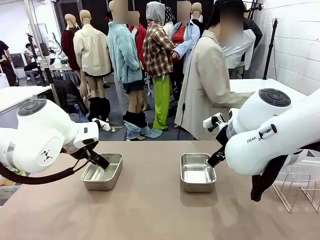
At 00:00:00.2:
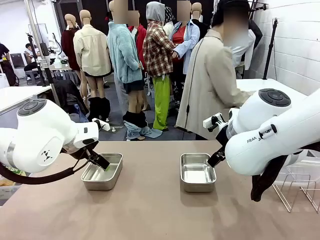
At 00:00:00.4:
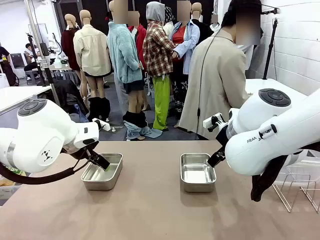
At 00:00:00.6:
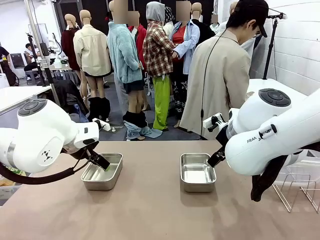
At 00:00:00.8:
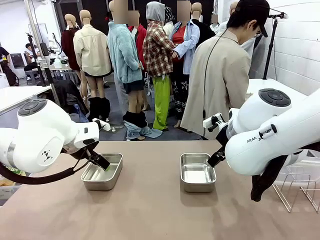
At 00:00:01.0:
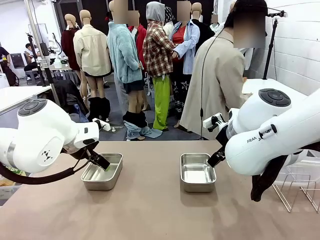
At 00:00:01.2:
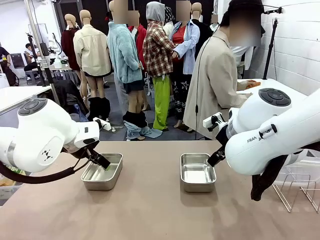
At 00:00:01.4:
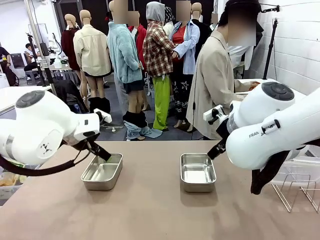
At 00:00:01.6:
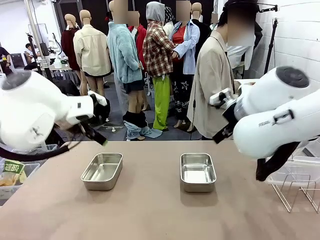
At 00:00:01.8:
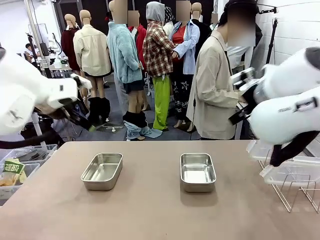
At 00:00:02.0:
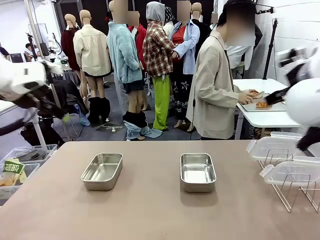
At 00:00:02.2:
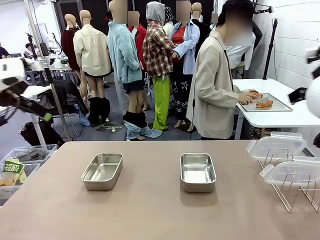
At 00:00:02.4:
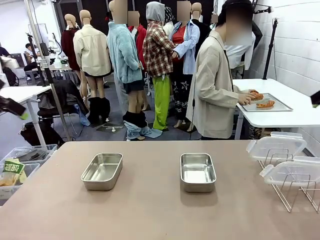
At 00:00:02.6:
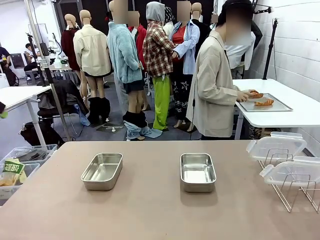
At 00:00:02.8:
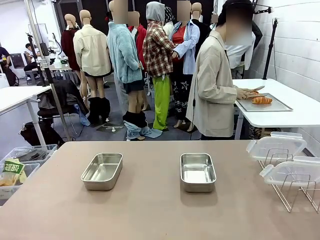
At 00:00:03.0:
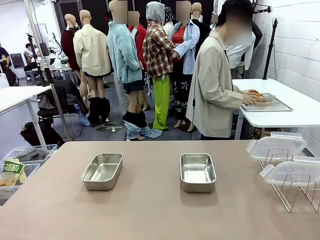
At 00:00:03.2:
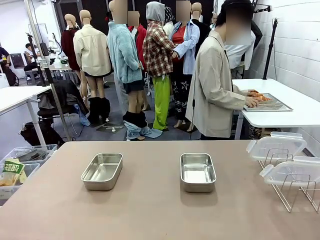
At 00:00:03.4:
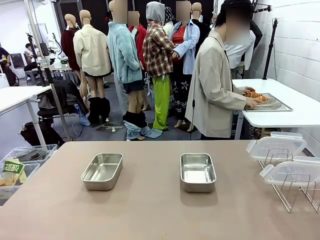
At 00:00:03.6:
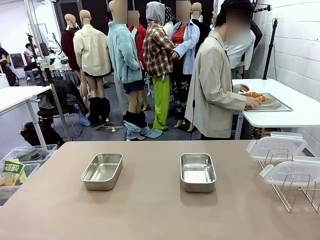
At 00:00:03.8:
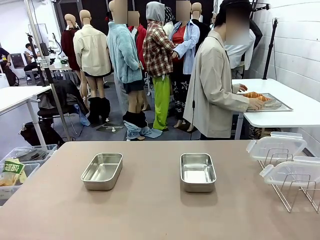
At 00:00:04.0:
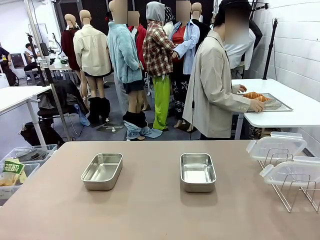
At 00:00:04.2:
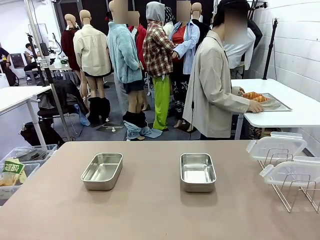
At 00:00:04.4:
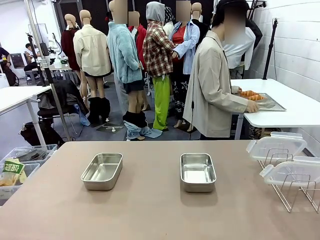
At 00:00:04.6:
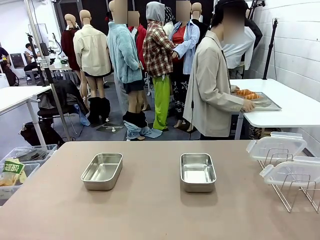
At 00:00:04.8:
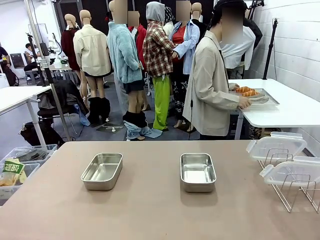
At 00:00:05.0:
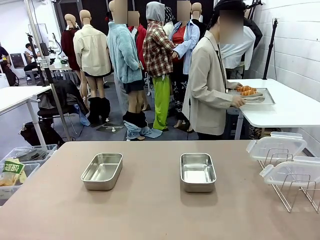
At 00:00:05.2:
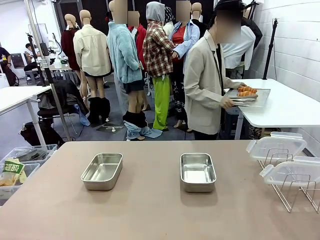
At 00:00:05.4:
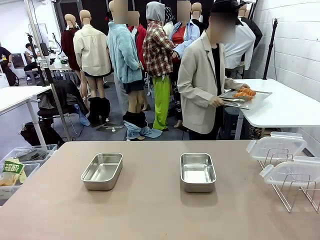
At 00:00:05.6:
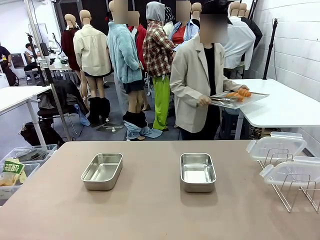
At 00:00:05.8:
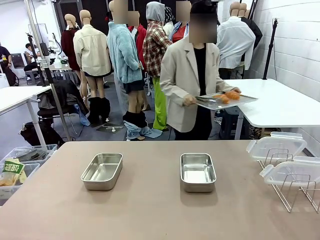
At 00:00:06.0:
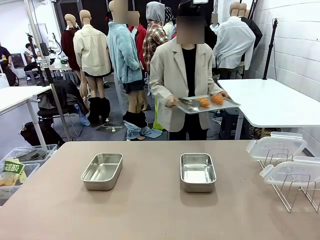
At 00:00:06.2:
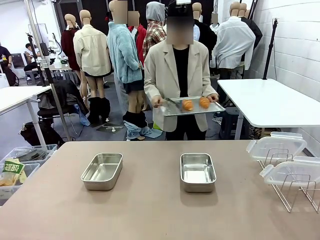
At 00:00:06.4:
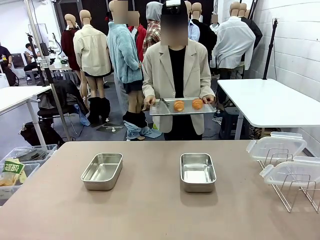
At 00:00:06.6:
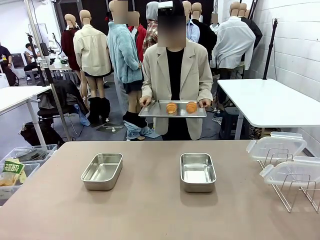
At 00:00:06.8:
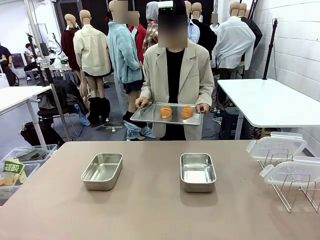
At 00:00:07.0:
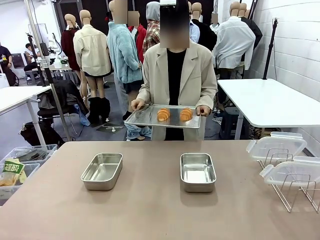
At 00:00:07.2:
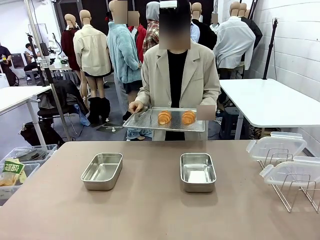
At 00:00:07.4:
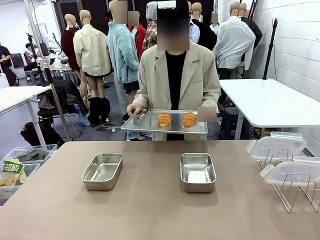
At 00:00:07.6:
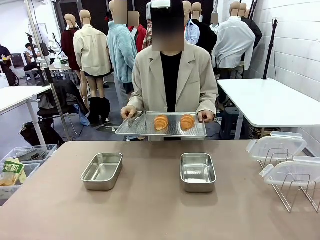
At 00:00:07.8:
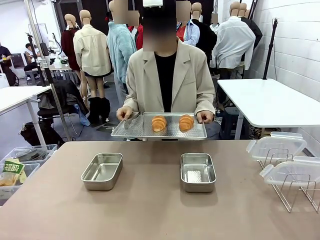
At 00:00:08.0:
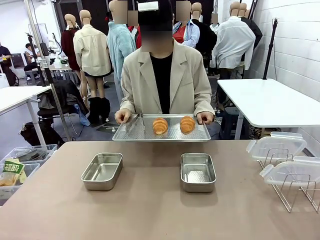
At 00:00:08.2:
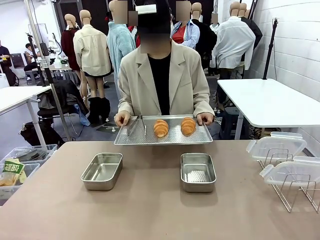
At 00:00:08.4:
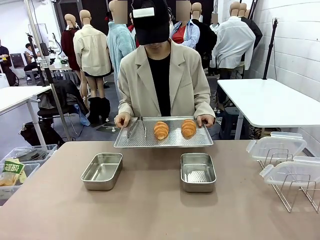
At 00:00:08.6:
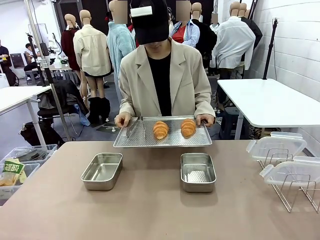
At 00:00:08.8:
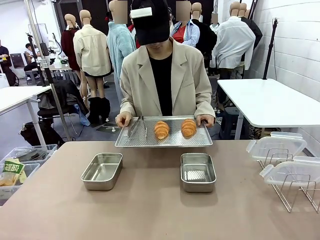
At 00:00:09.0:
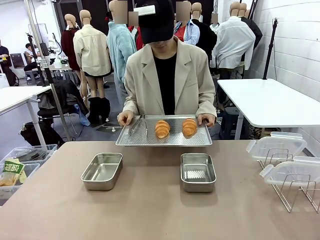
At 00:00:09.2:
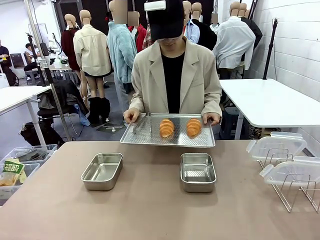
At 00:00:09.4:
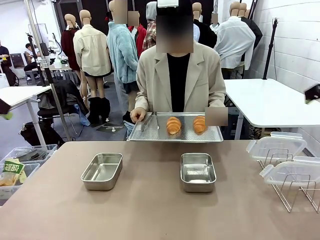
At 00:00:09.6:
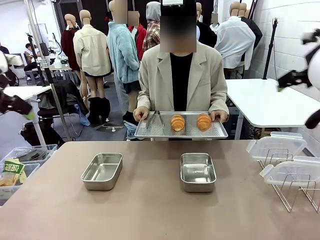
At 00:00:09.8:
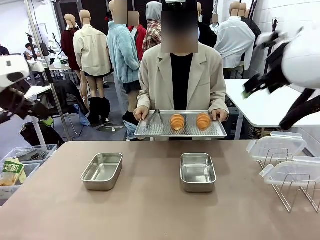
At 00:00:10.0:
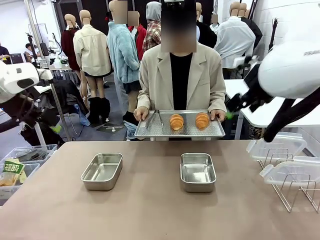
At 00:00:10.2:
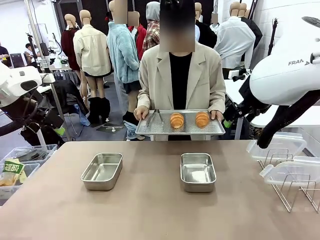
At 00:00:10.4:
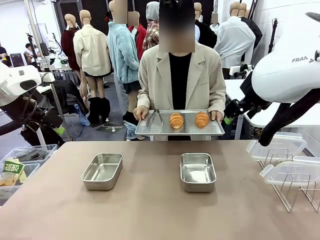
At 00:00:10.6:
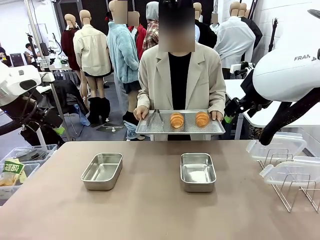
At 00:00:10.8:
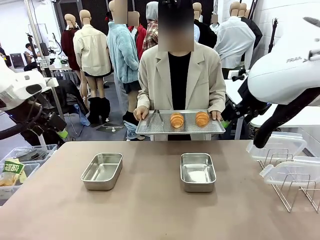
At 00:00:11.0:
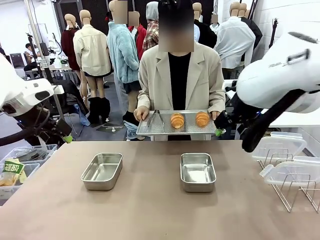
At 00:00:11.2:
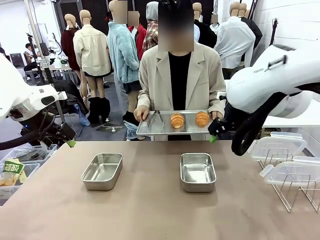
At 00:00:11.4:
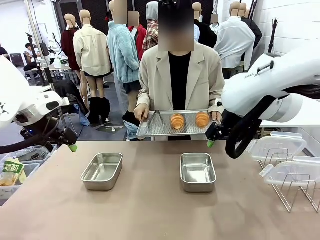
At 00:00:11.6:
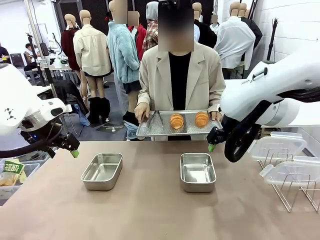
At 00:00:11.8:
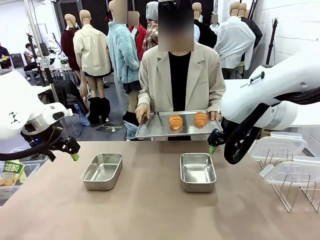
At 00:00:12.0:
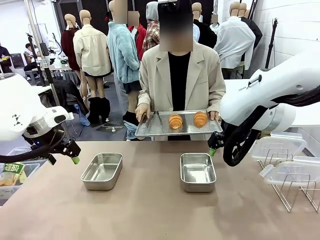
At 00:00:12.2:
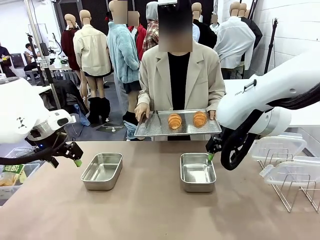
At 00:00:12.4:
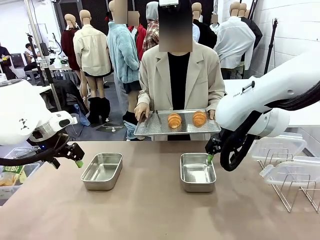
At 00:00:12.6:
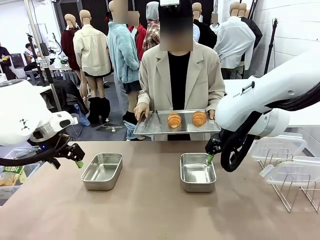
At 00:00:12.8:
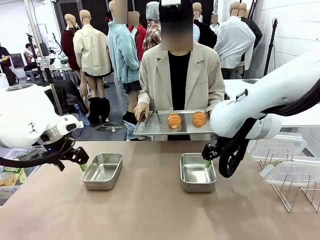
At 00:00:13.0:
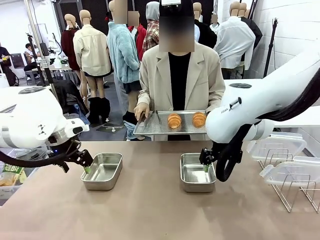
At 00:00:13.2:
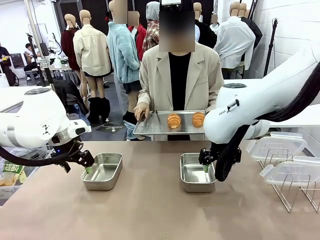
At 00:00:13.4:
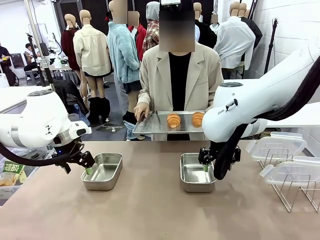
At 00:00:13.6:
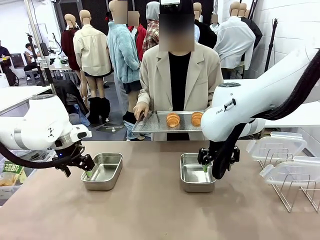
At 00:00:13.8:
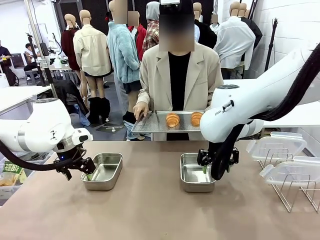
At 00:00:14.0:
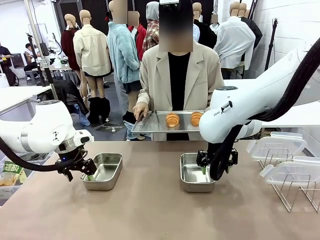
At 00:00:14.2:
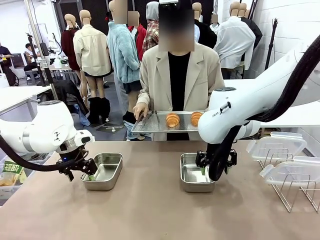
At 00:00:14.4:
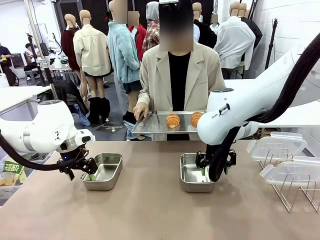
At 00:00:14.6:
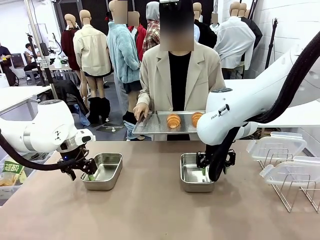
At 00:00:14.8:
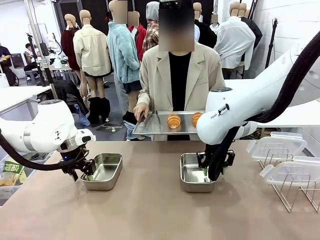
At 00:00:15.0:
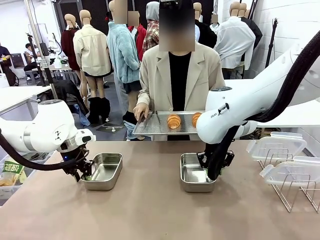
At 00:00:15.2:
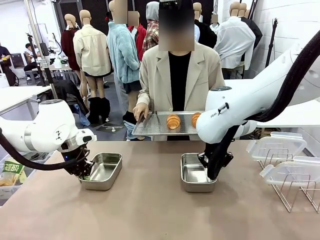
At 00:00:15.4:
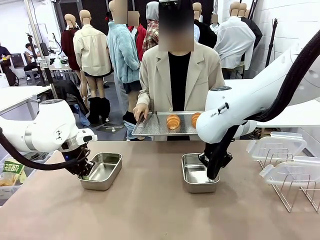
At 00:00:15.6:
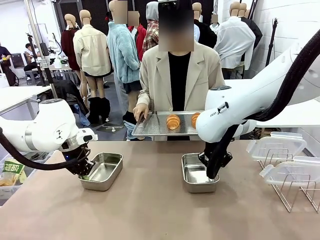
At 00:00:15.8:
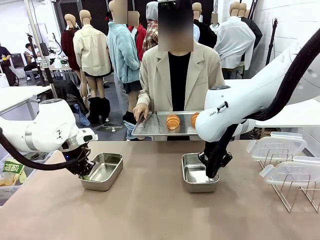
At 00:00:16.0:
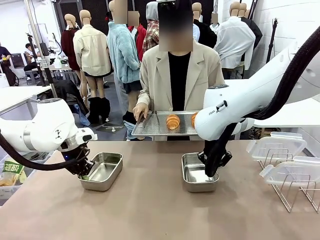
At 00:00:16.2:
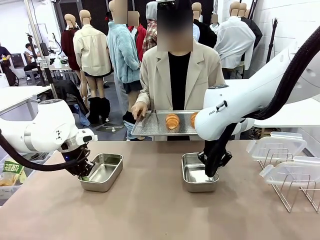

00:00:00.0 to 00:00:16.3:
Task: Place the bread in airtight containers.
Robot: Lift both Airtight Container.
Person: Bring the Baking Sheet in front of Robot's Table.
